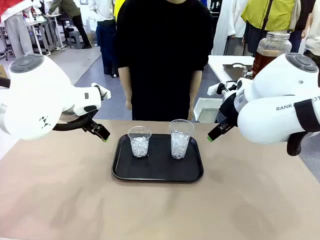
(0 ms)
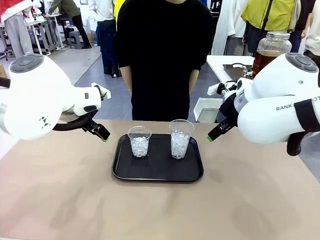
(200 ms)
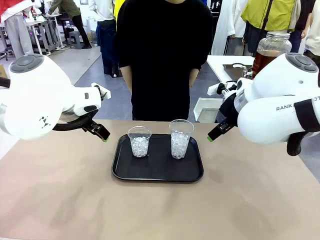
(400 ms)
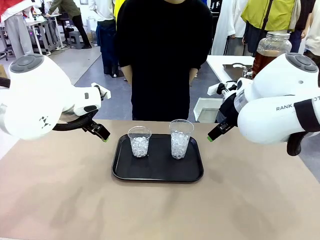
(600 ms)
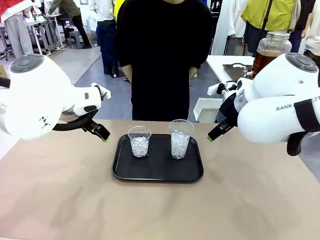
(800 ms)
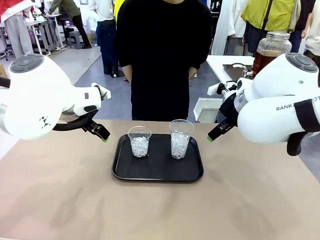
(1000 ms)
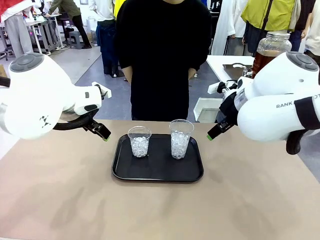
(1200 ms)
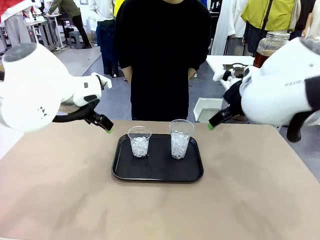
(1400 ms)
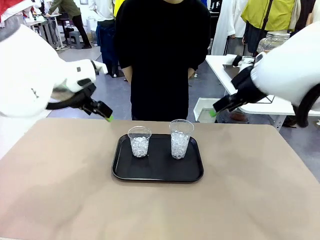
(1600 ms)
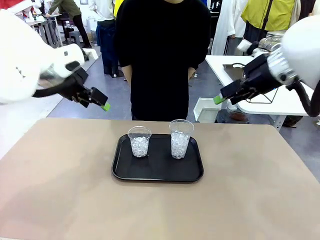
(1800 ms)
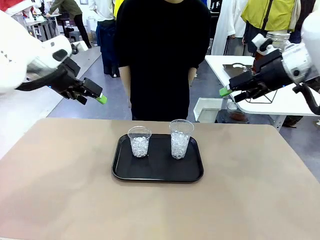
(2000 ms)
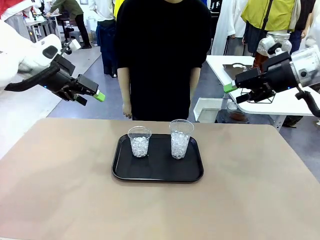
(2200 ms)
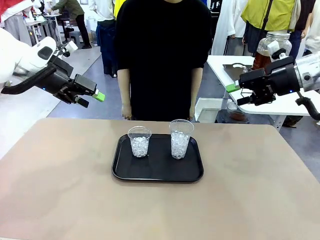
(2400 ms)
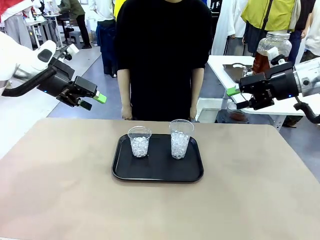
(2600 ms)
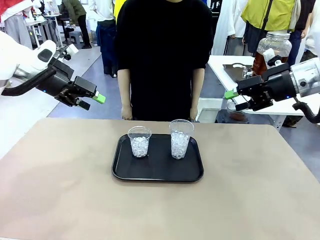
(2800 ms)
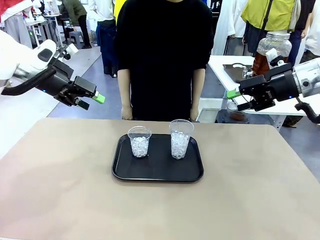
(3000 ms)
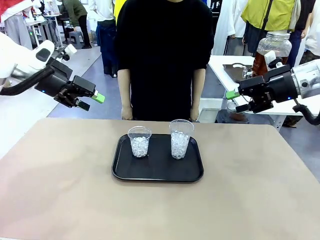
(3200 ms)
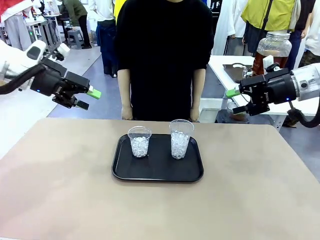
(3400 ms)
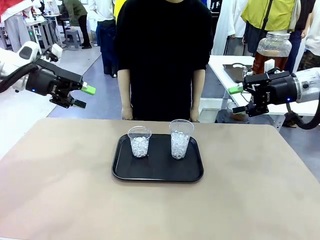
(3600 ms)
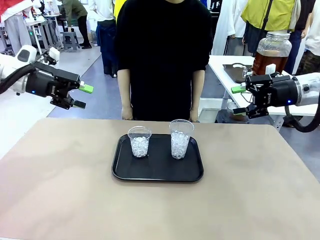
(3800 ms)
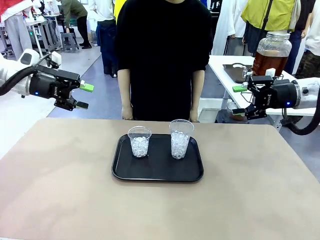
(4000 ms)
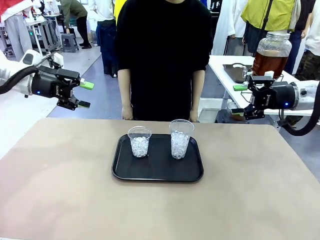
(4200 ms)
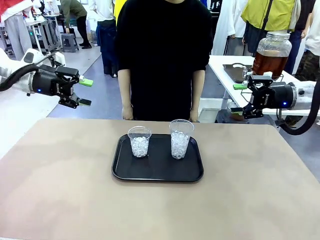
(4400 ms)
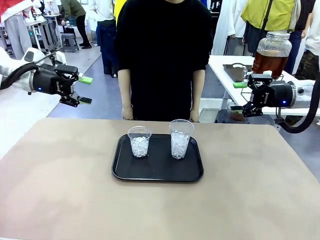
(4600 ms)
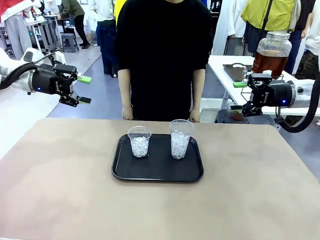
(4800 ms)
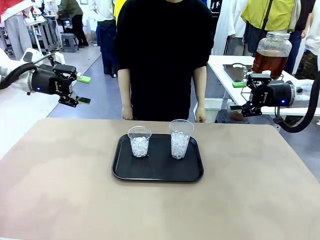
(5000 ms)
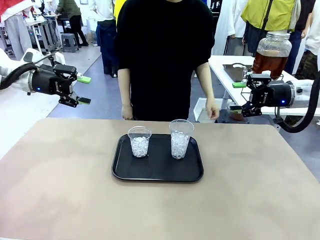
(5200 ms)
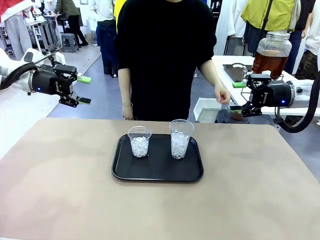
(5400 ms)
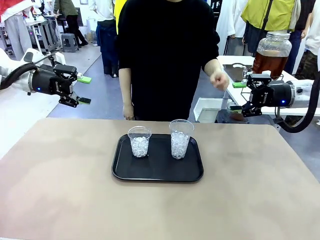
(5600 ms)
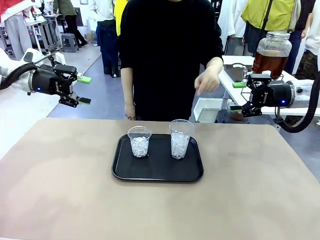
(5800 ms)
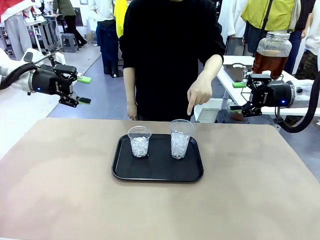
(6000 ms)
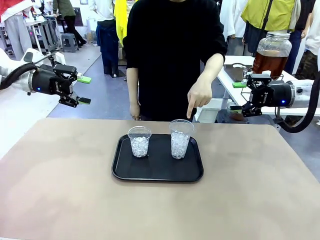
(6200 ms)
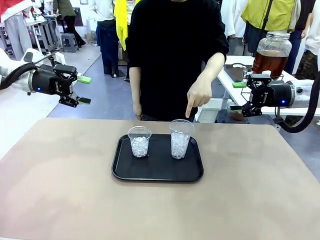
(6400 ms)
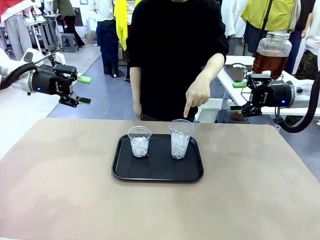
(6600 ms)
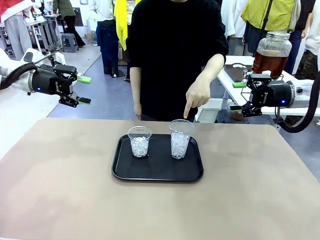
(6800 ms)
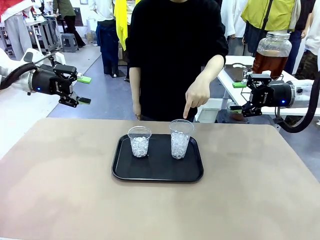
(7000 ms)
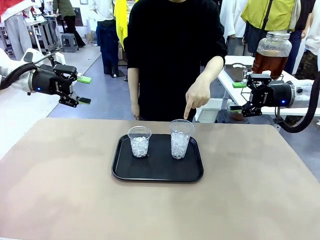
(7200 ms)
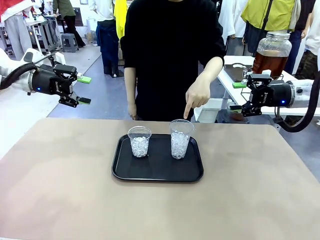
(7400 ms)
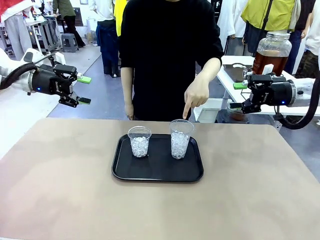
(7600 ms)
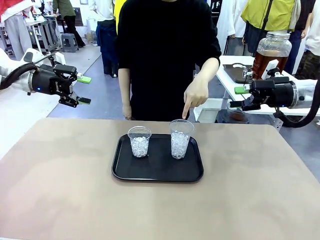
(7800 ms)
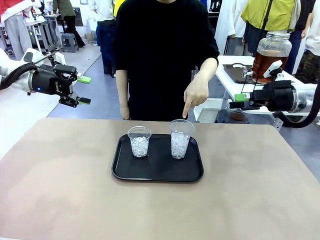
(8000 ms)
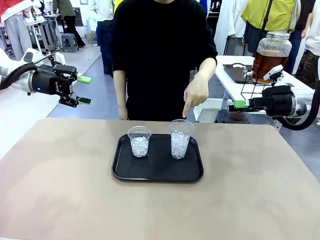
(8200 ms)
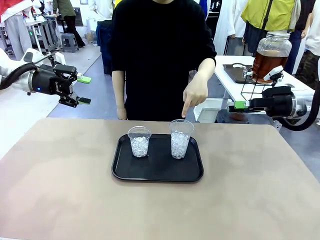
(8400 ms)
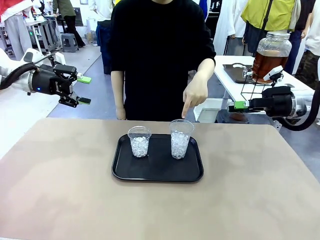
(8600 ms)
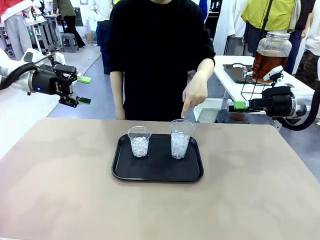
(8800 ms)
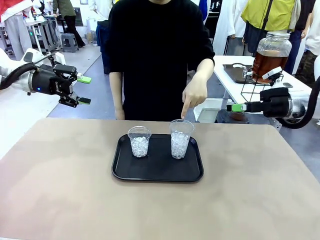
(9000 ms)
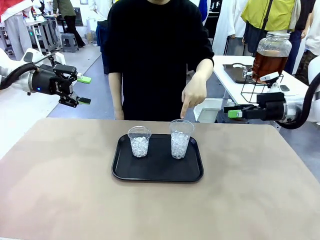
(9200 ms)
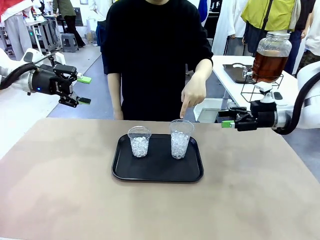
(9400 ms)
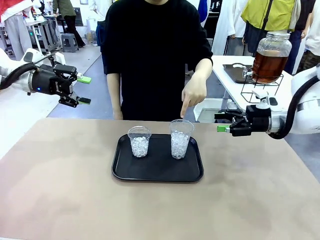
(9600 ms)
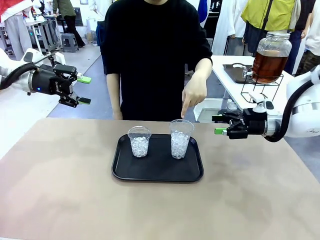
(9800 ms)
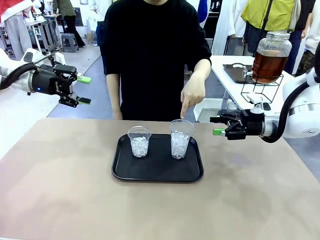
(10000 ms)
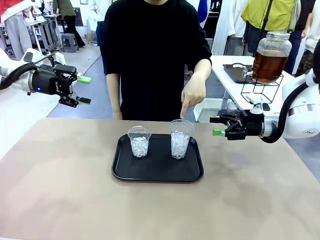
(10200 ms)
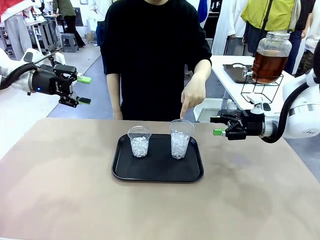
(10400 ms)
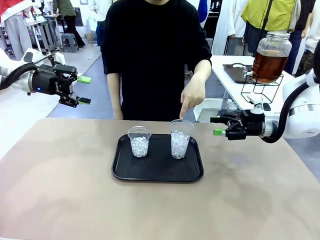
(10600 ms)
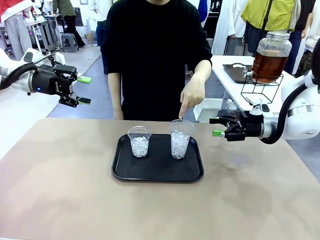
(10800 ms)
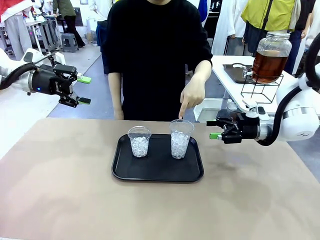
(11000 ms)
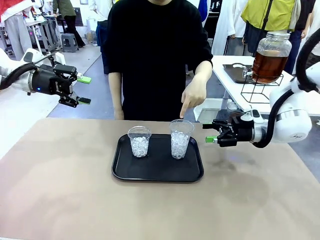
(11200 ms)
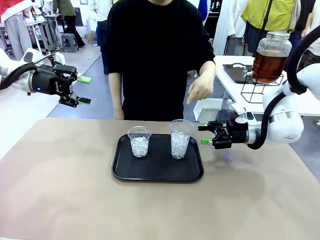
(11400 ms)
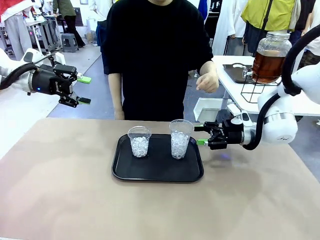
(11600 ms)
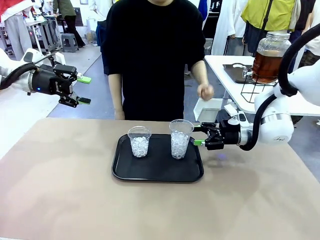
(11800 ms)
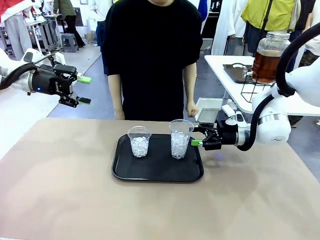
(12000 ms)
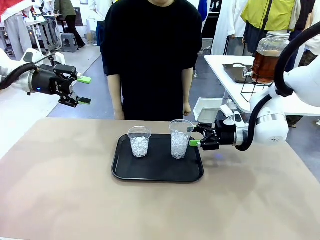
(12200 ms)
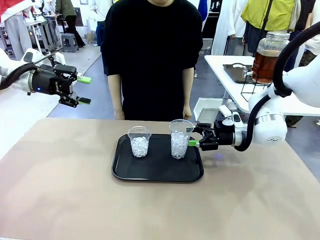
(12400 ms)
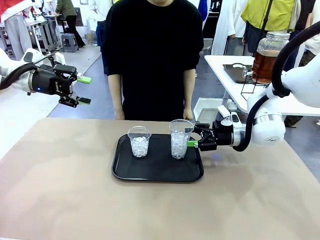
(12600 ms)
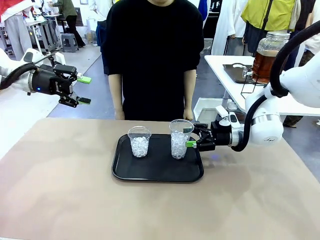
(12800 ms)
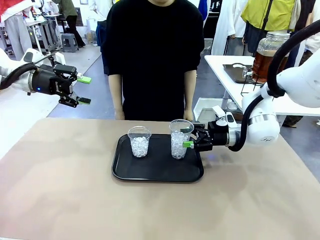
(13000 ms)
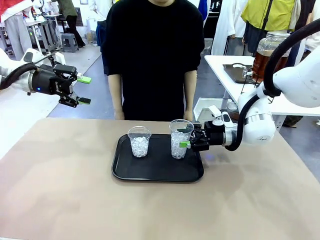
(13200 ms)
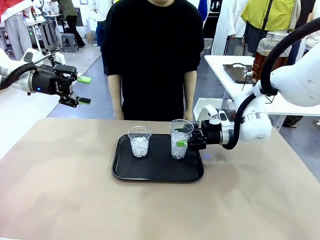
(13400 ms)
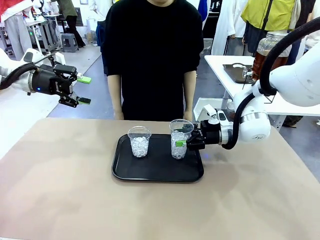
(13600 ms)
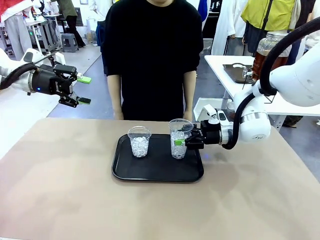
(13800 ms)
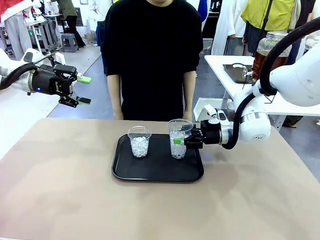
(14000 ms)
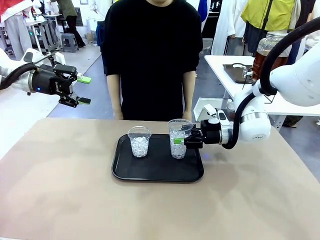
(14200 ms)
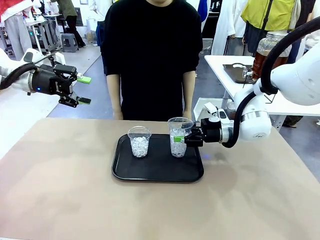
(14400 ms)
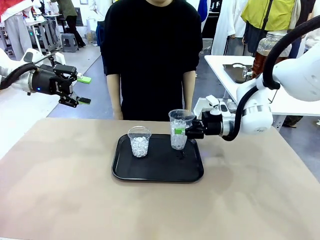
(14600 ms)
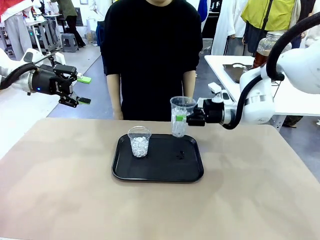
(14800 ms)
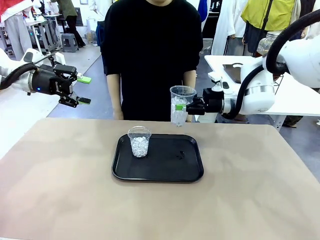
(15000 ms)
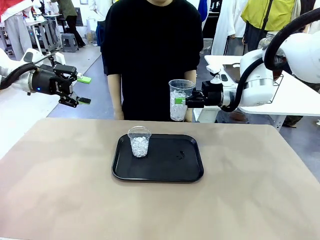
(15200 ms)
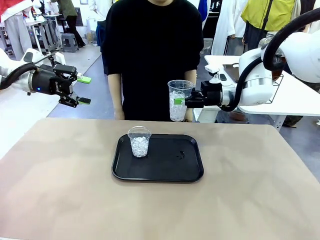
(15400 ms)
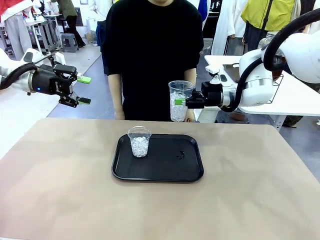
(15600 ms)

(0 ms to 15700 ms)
Task: Pour the drink into the iced cup.
Robot: Pick up the iced cup indicated by the human and present it to them.
Person: Point to one of the two ice cups. Pick up the cup offered by the robot.

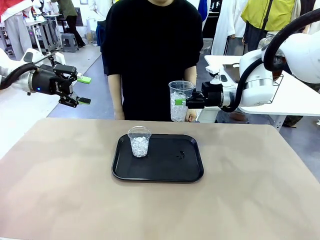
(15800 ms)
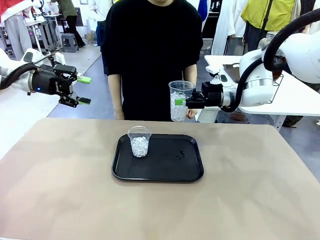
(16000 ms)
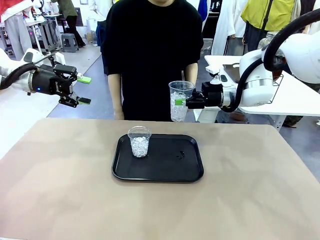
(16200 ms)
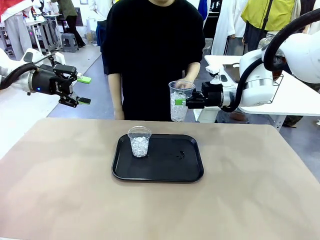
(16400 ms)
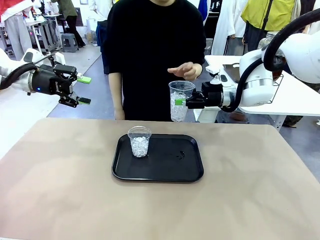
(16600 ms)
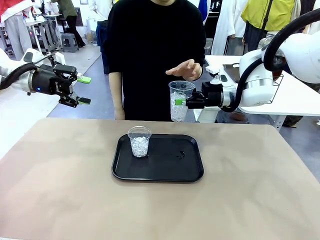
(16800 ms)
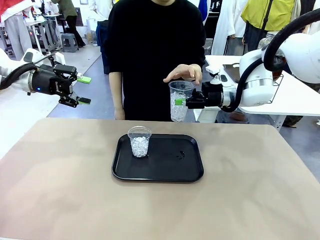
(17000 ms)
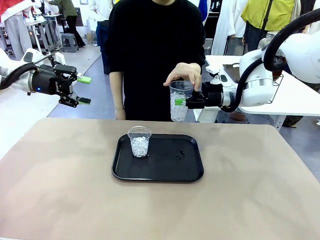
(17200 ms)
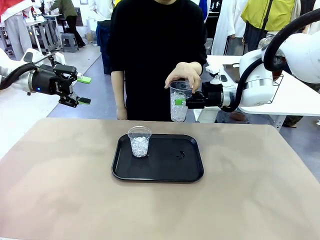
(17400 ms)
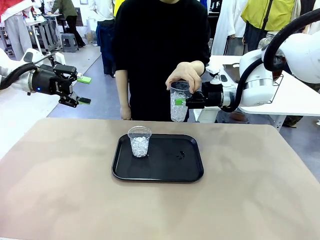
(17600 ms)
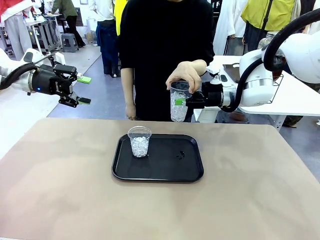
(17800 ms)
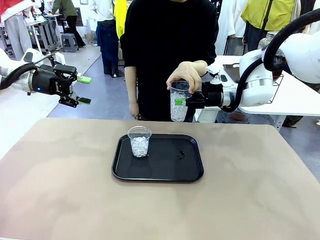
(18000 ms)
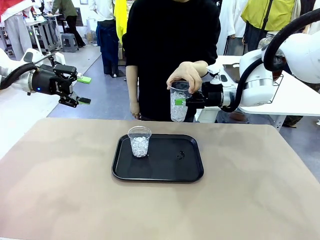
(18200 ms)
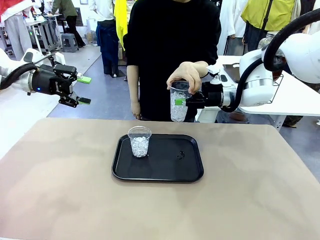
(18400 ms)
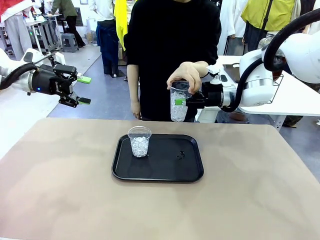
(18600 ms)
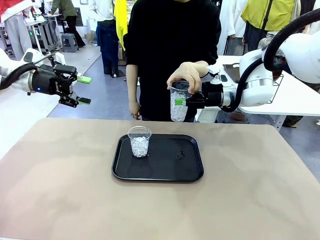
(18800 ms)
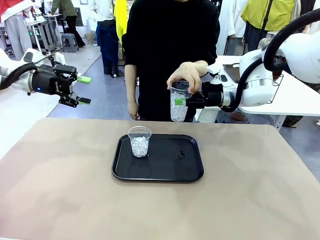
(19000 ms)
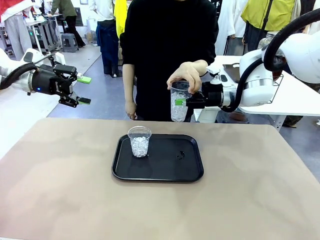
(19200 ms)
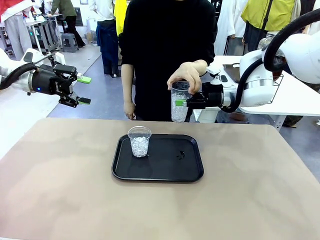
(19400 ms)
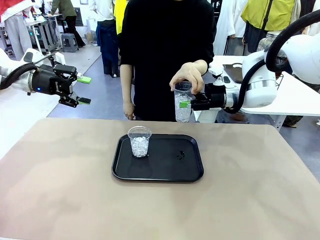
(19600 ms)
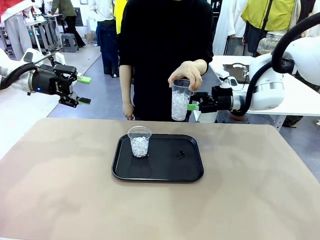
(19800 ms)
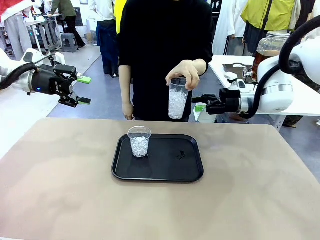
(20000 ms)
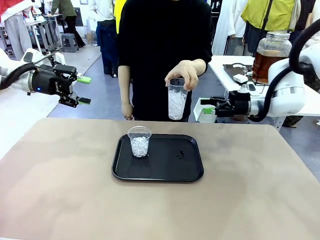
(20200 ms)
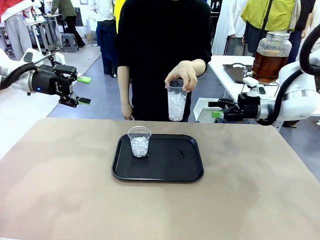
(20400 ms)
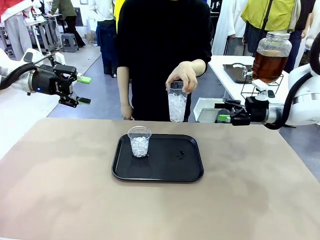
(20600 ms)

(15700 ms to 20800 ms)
Robot: Open the gripper to release the iced cup you were holding.
